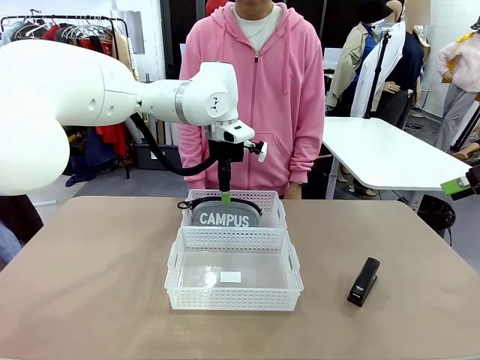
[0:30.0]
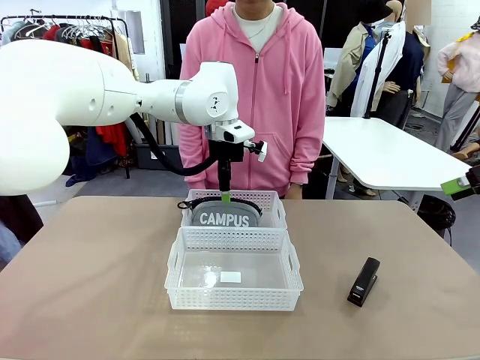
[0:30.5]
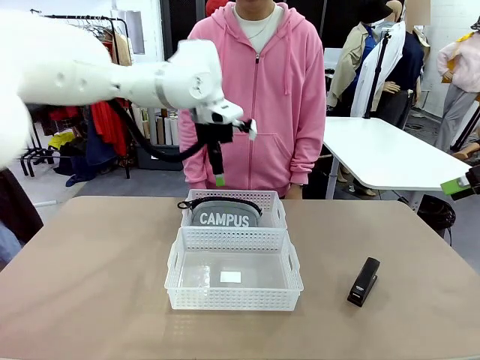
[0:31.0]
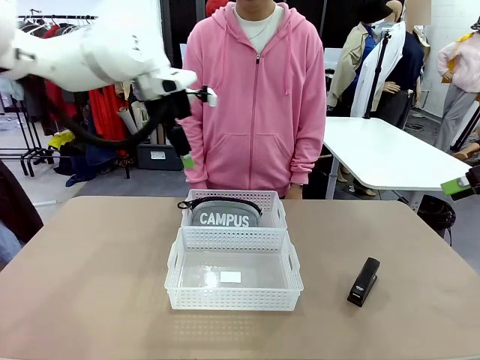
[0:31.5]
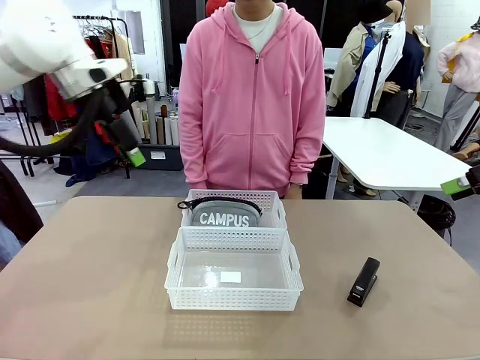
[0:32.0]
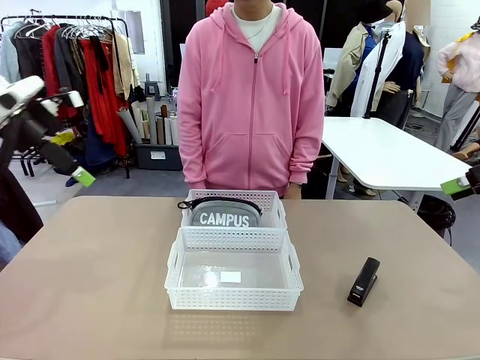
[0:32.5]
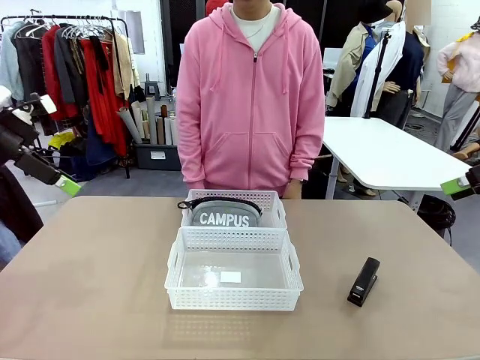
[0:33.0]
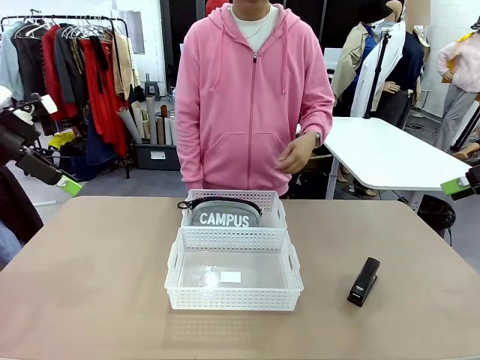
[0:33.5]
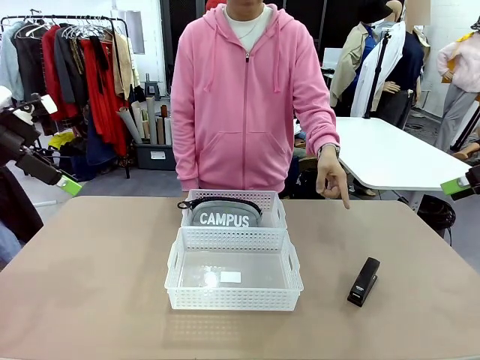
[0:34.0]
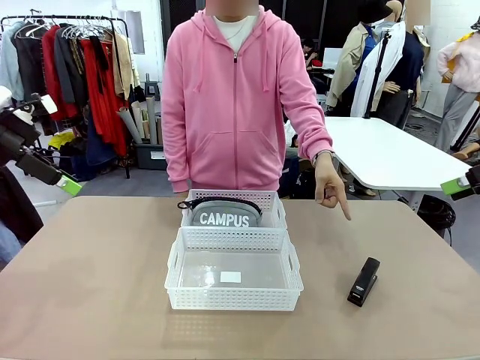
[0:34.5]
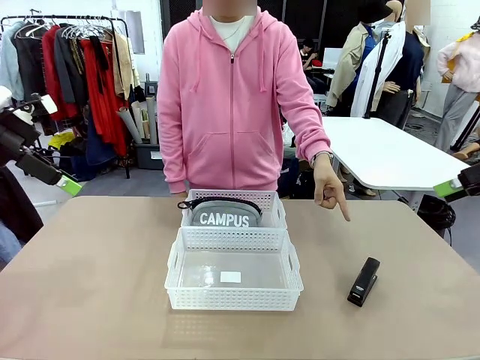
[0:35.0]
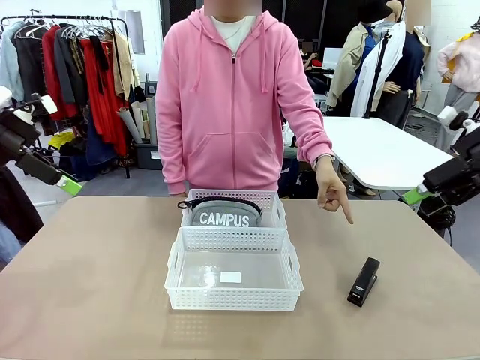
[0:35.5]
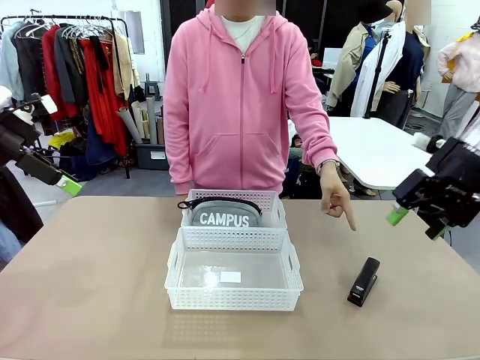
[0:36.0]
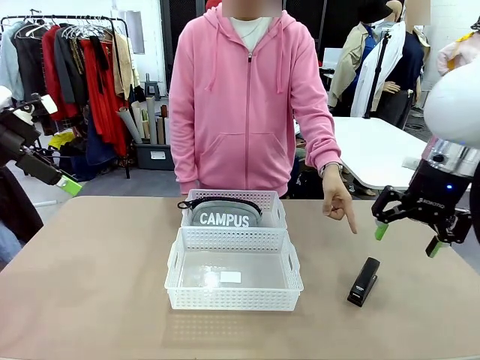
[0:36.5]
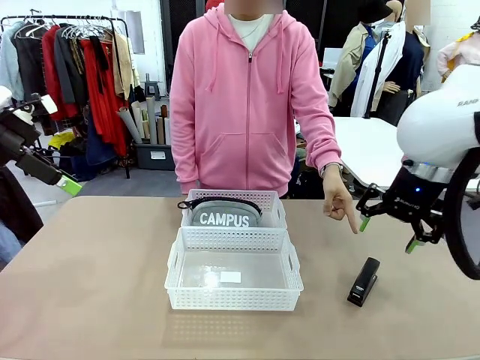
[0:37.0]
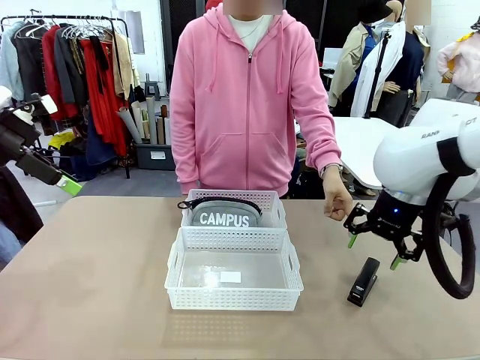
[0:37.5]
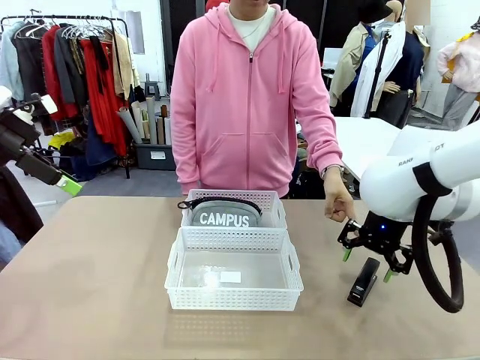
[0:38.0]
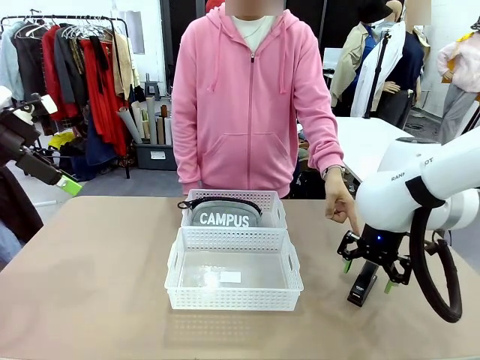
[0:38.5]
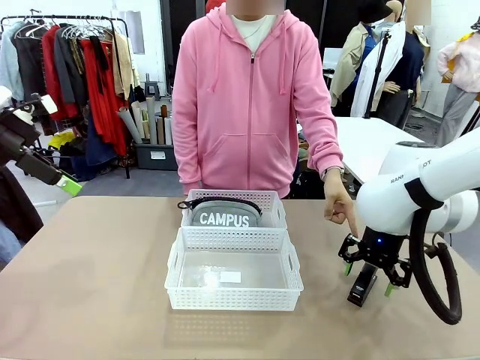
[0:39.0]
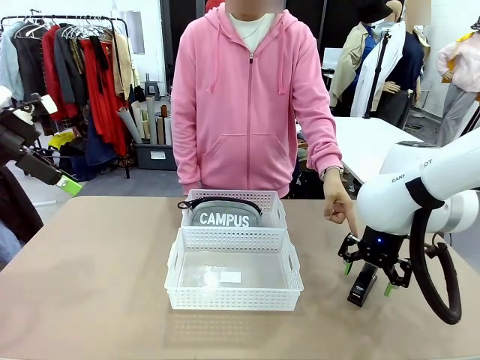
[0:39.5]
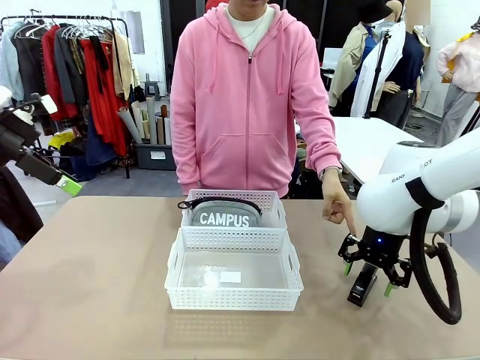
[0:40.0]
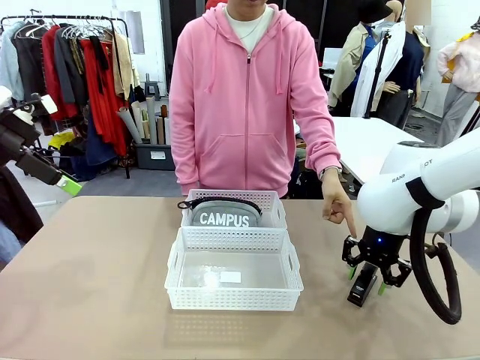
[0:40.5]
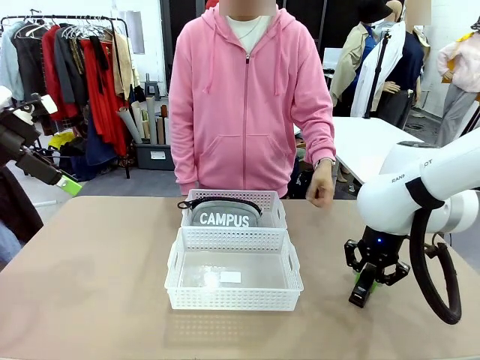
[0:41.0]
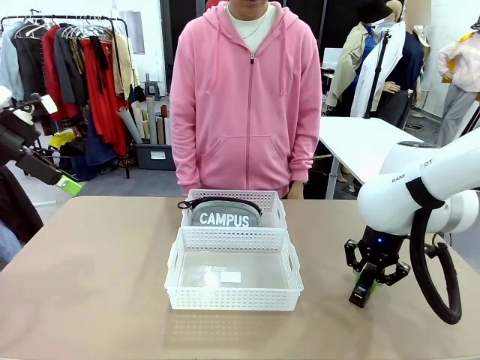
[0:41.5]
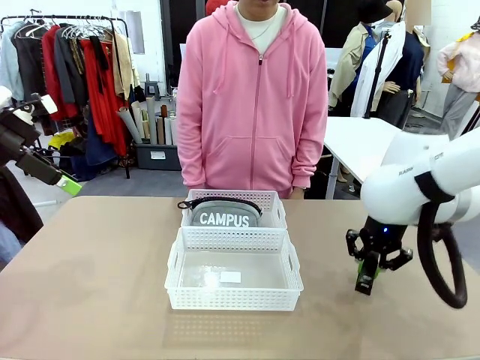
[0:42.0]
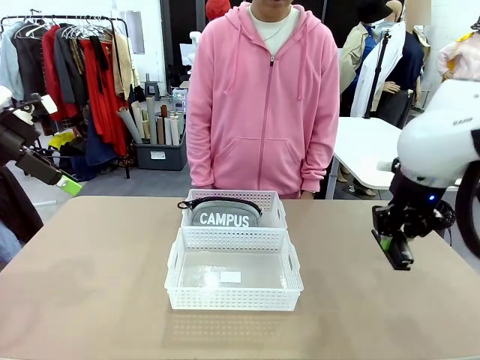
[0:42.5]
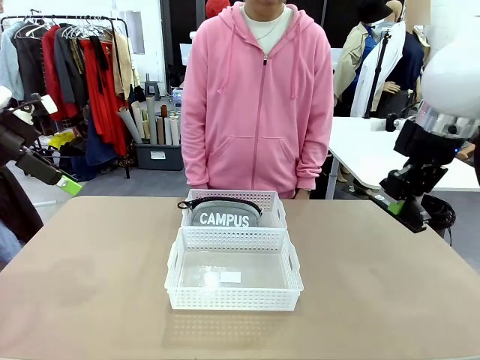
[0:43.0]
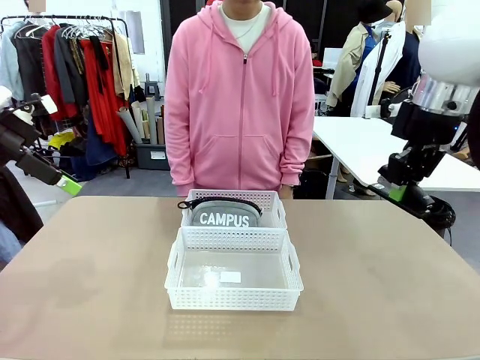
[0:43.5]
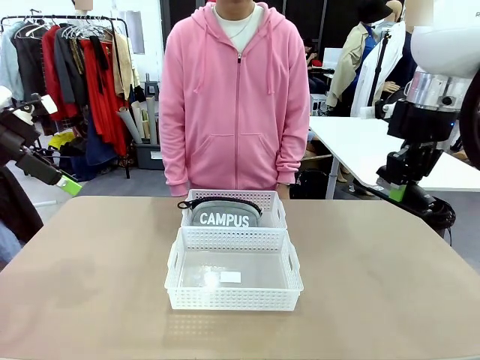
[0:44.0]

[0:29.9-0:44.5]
Task: Distribute items into two baskets.
Robot: Pick up the Stapler that the person points to.

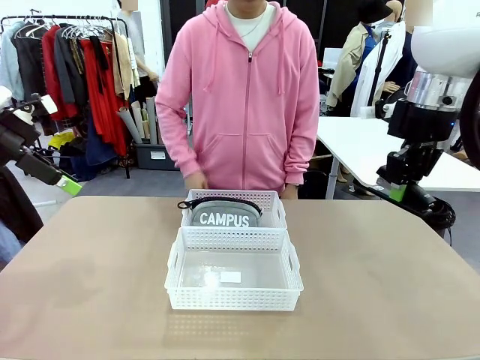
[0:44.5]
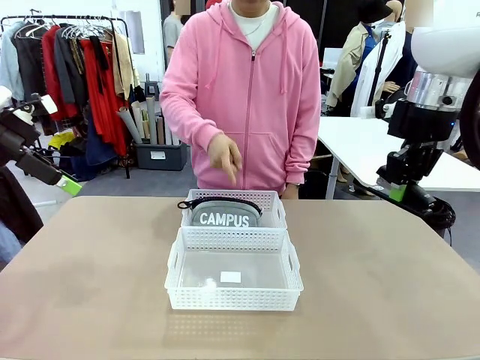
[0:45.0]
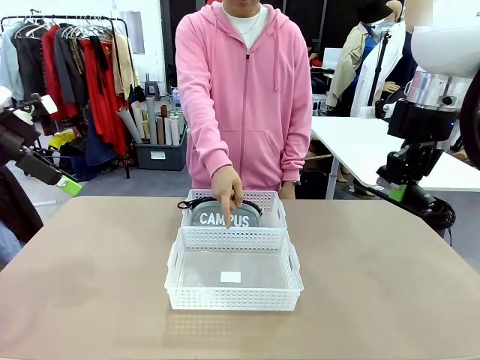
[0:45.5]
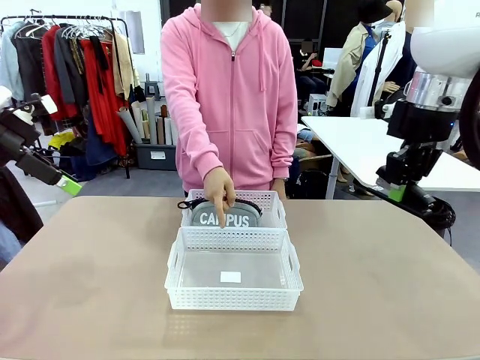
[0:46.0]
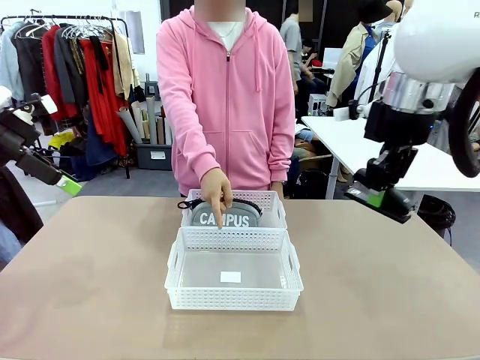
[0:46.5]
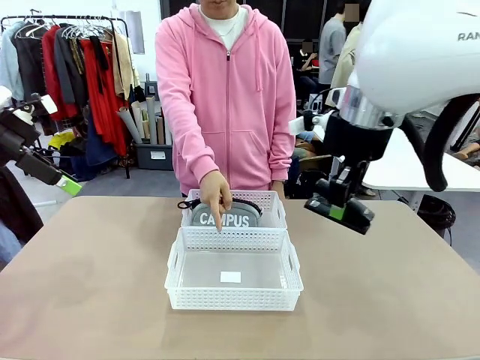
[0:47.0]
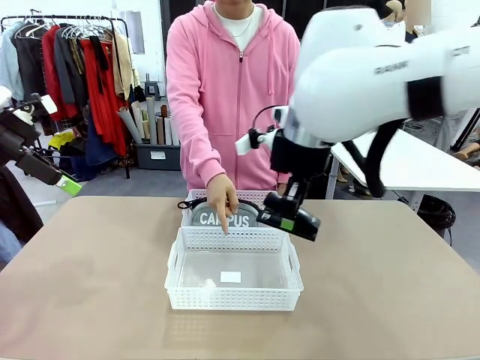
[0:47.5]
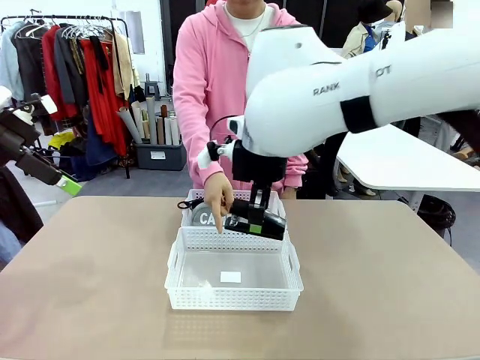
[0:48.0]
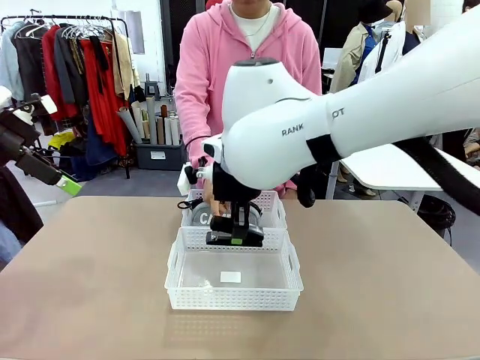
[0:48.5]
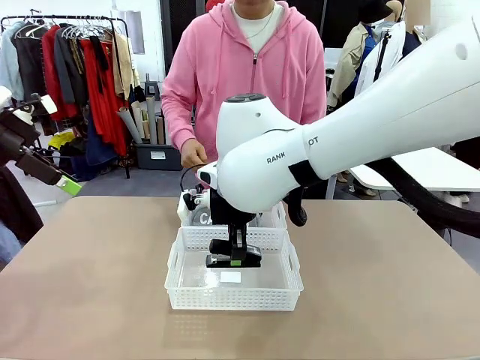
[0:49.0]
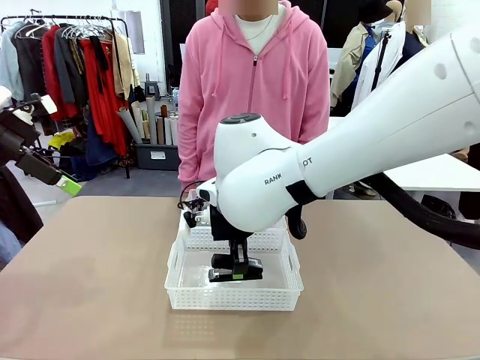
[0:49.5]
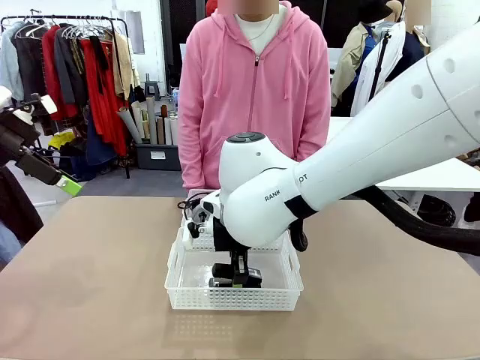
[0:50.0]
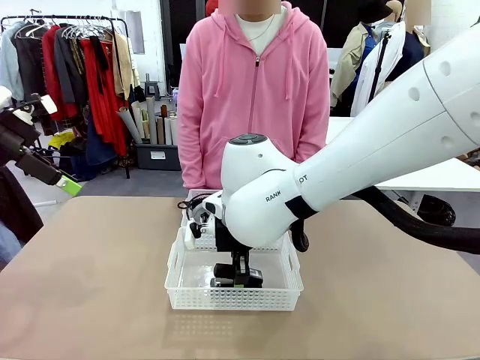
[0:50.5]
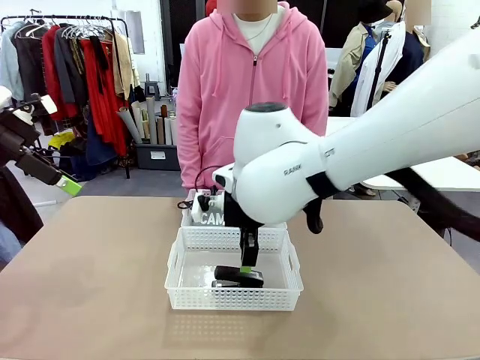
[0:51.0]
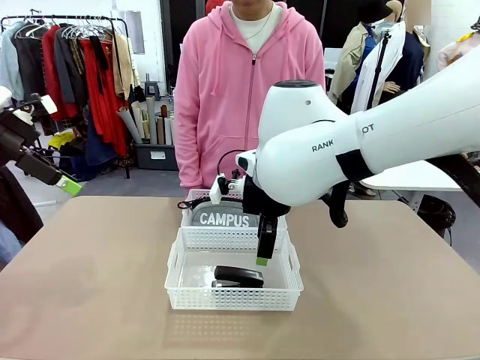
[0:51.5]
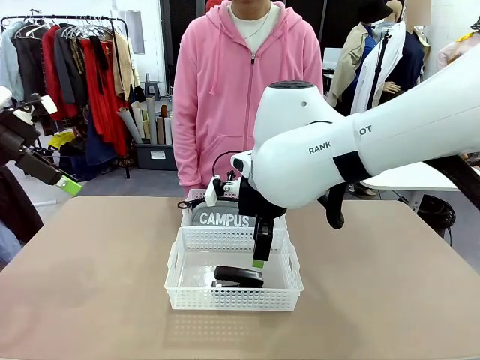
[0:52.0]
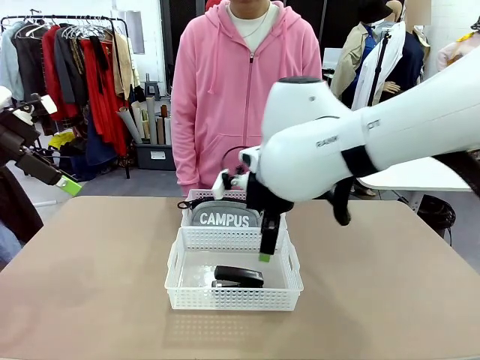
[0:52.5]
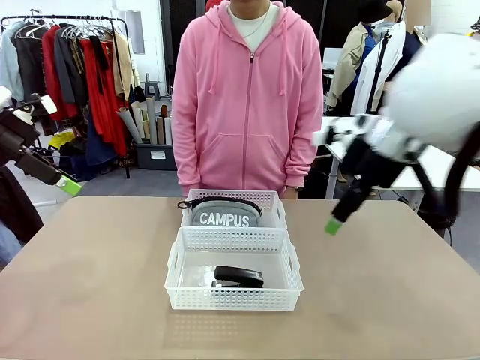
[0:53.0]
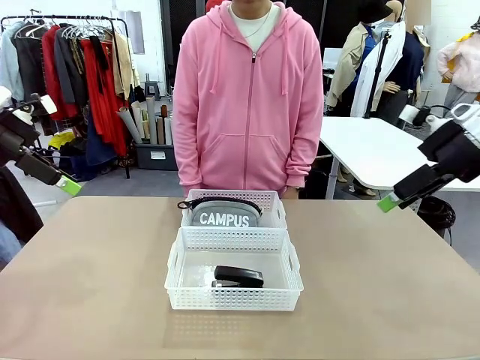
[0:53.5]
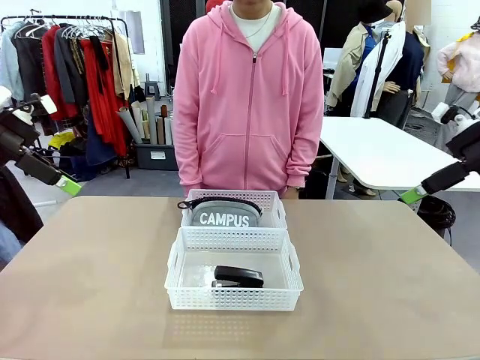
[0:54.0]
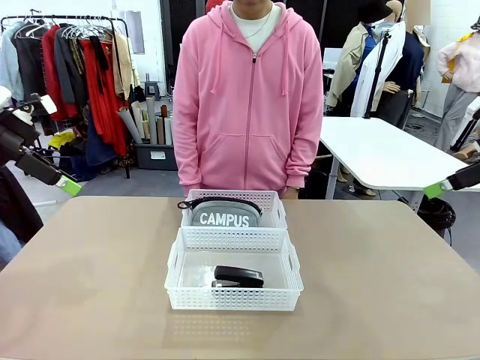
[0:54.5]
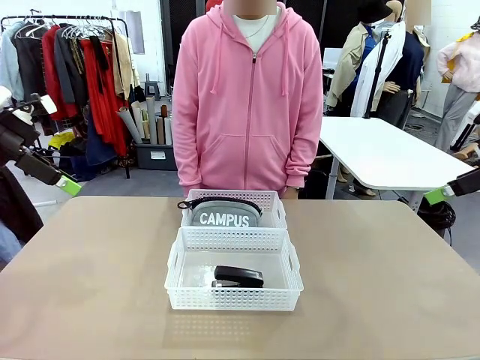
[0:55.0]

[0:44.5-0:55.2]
Robot: Place the picked Stapler into the Organizing basket as instructed by the person.
Person: Points to the basket that does not contain the pencil case and instructs the robot to move the stapler there.
